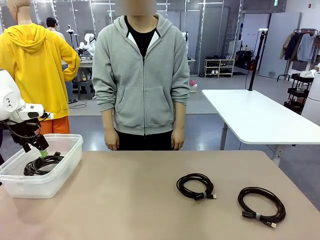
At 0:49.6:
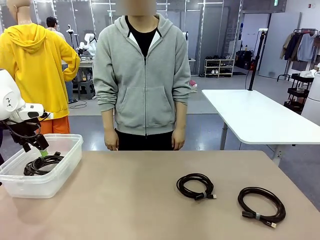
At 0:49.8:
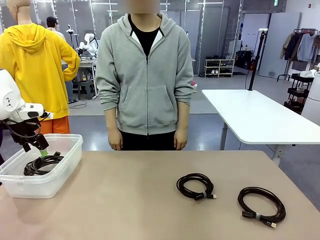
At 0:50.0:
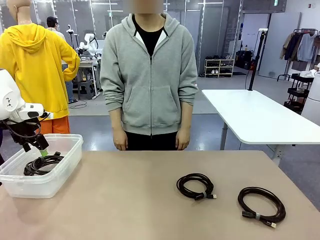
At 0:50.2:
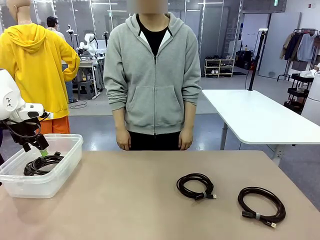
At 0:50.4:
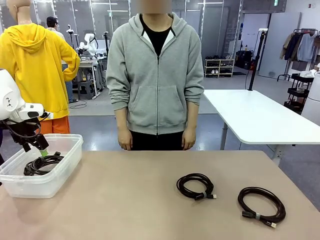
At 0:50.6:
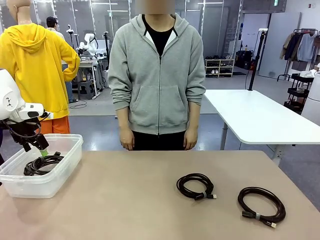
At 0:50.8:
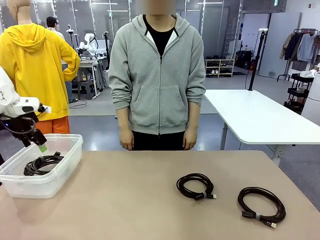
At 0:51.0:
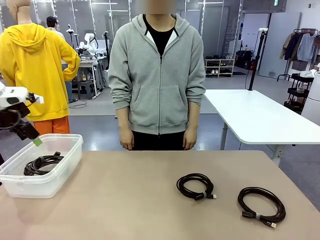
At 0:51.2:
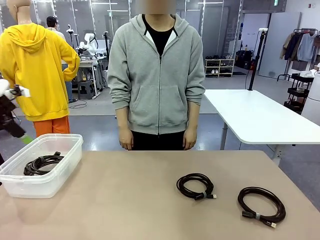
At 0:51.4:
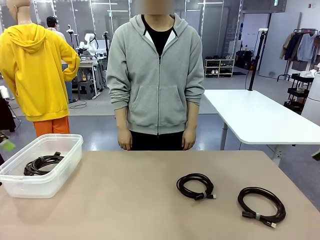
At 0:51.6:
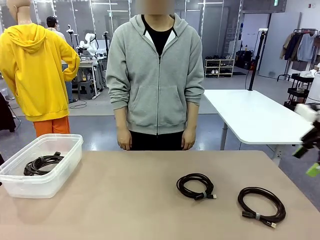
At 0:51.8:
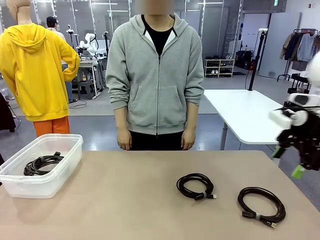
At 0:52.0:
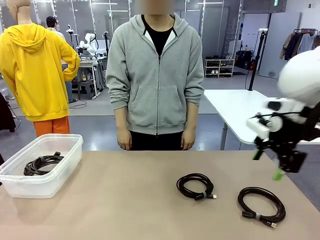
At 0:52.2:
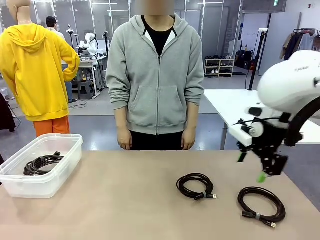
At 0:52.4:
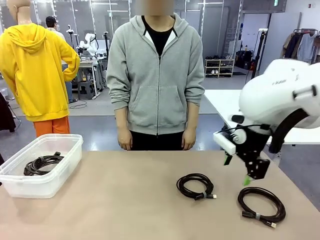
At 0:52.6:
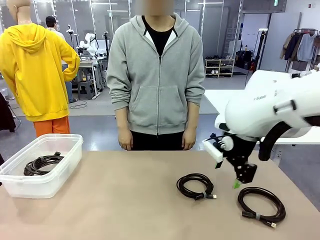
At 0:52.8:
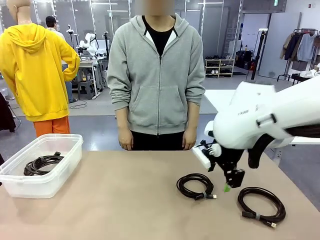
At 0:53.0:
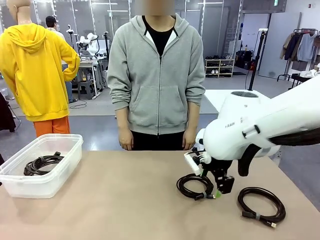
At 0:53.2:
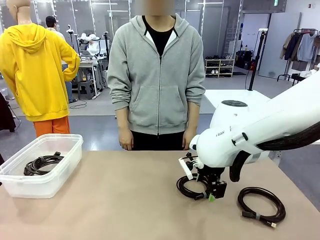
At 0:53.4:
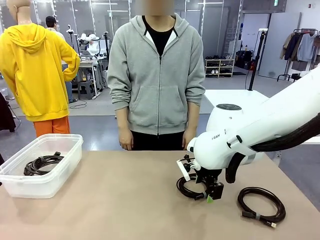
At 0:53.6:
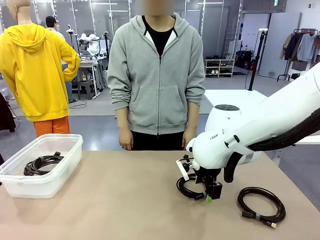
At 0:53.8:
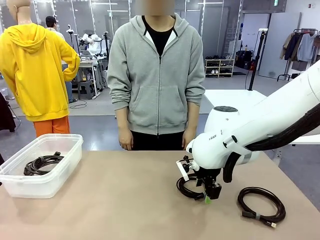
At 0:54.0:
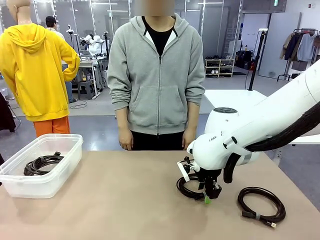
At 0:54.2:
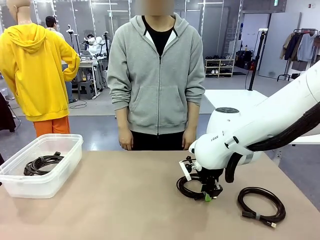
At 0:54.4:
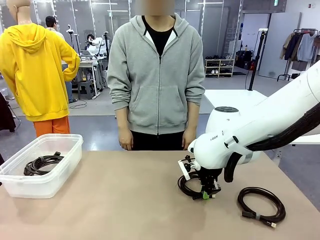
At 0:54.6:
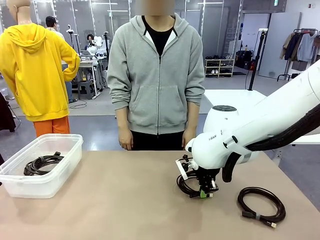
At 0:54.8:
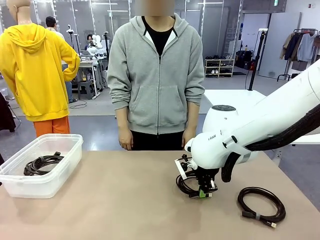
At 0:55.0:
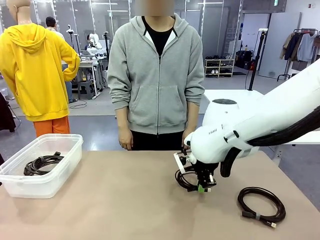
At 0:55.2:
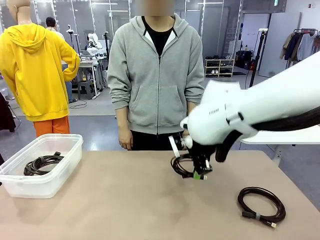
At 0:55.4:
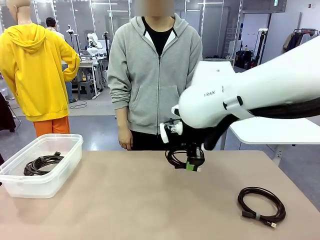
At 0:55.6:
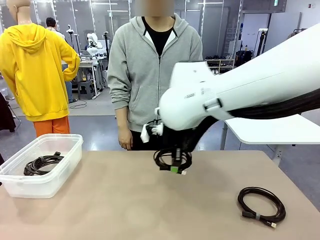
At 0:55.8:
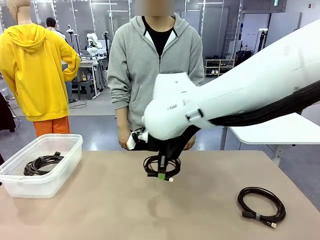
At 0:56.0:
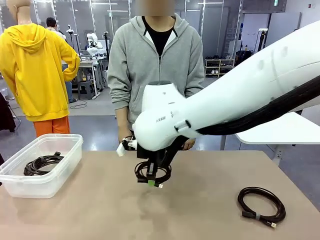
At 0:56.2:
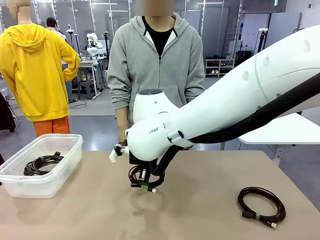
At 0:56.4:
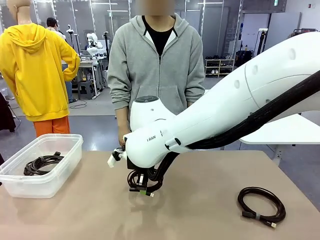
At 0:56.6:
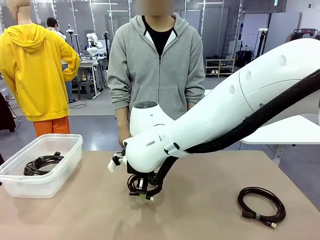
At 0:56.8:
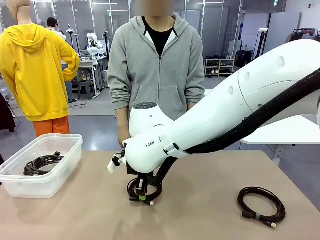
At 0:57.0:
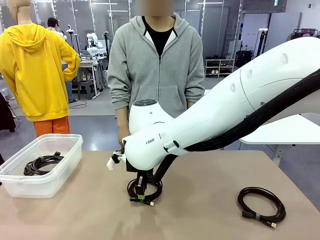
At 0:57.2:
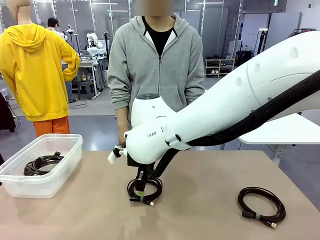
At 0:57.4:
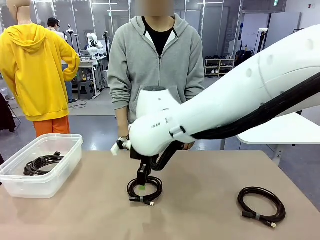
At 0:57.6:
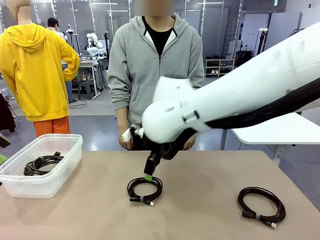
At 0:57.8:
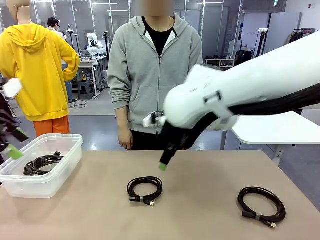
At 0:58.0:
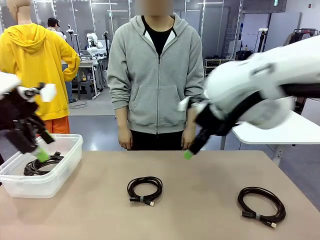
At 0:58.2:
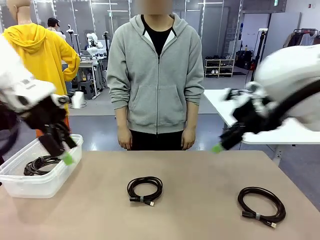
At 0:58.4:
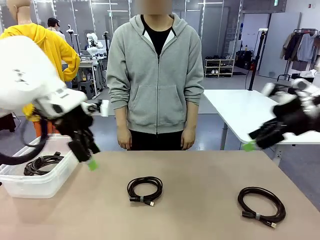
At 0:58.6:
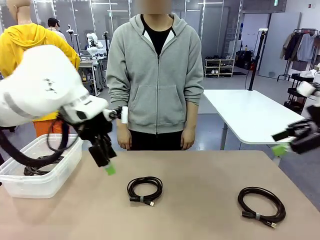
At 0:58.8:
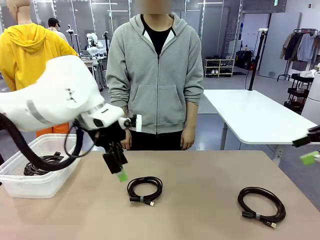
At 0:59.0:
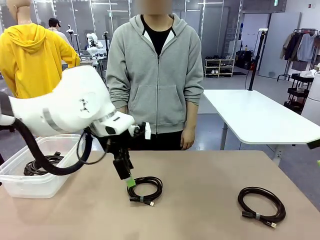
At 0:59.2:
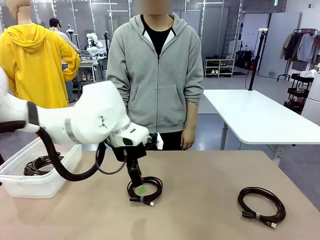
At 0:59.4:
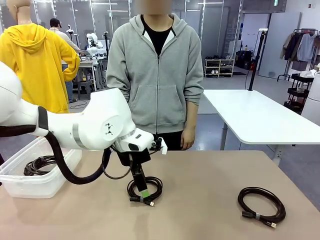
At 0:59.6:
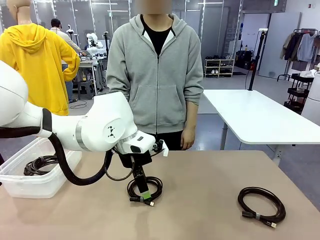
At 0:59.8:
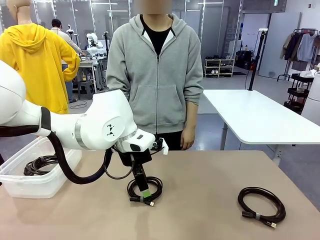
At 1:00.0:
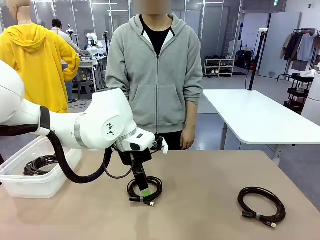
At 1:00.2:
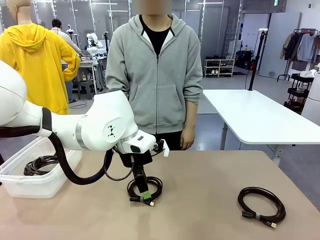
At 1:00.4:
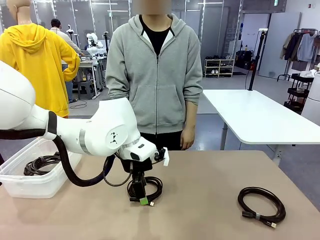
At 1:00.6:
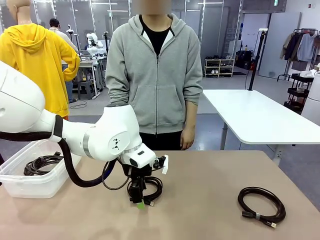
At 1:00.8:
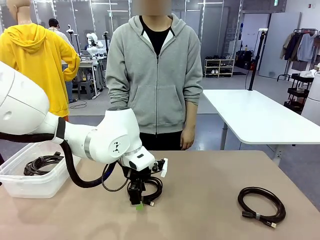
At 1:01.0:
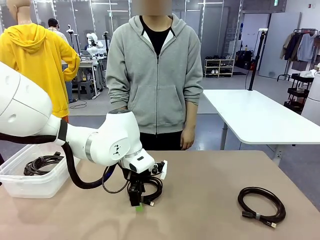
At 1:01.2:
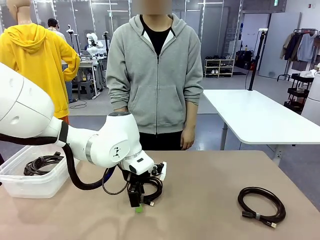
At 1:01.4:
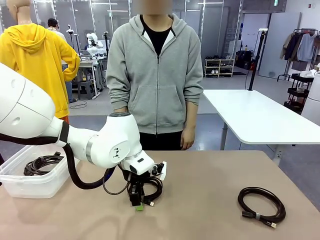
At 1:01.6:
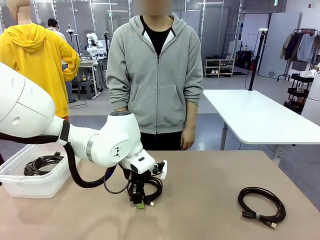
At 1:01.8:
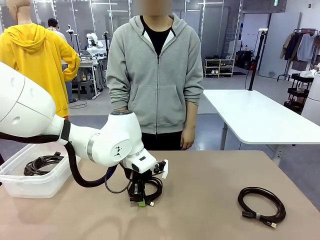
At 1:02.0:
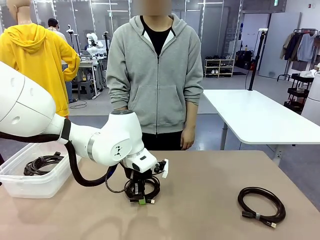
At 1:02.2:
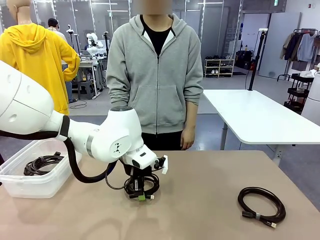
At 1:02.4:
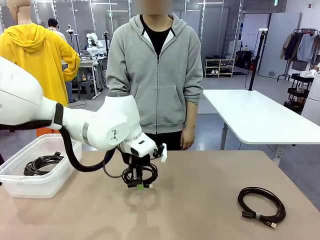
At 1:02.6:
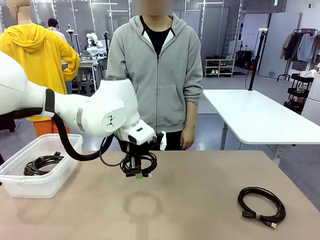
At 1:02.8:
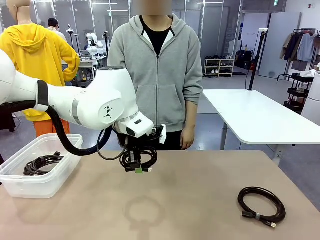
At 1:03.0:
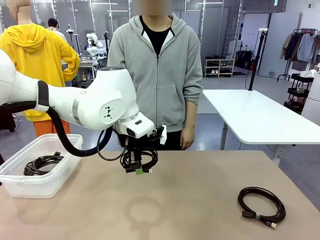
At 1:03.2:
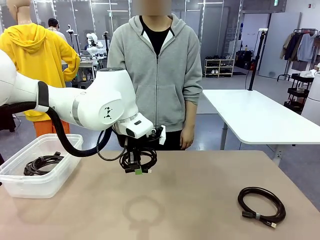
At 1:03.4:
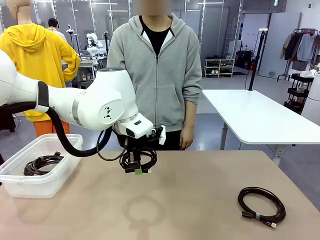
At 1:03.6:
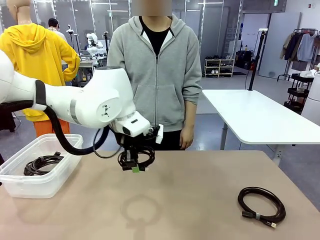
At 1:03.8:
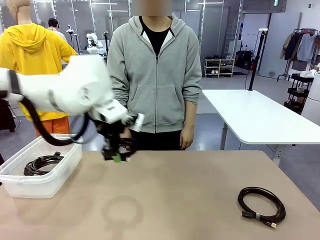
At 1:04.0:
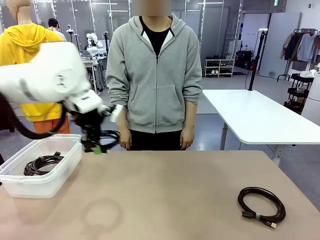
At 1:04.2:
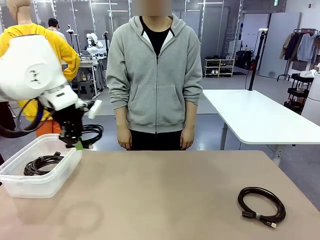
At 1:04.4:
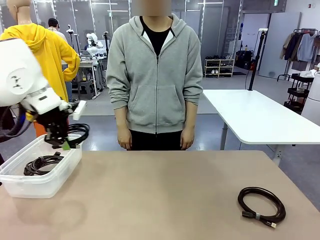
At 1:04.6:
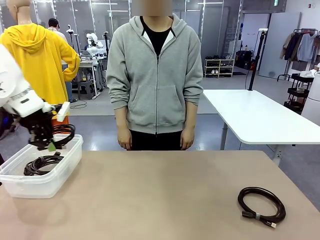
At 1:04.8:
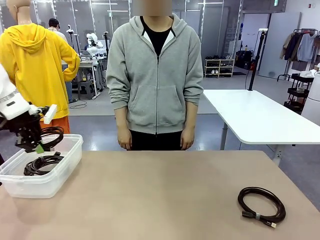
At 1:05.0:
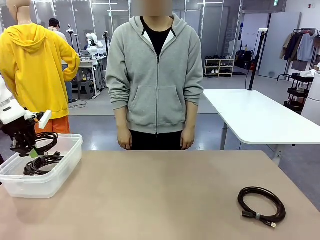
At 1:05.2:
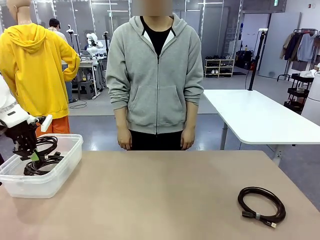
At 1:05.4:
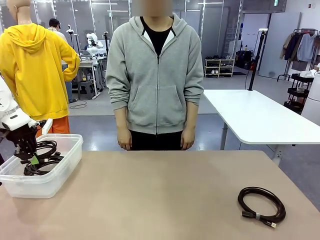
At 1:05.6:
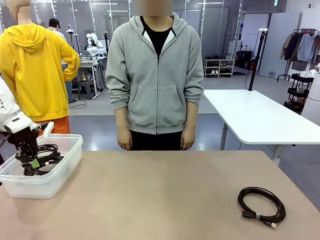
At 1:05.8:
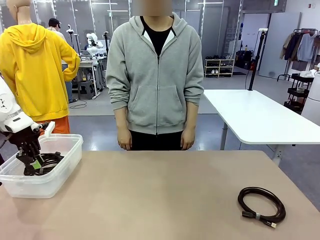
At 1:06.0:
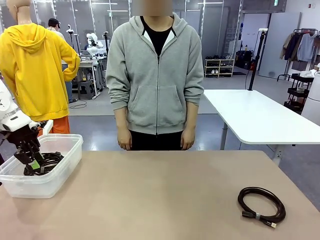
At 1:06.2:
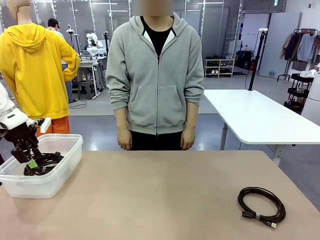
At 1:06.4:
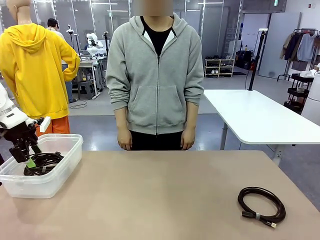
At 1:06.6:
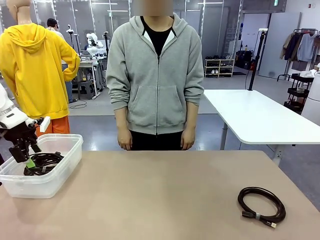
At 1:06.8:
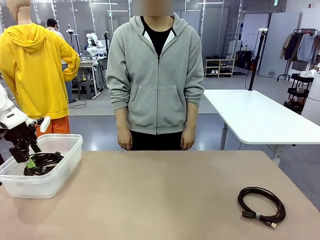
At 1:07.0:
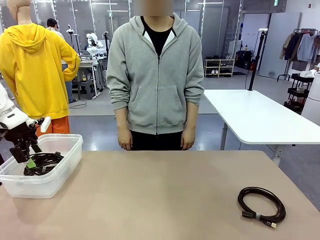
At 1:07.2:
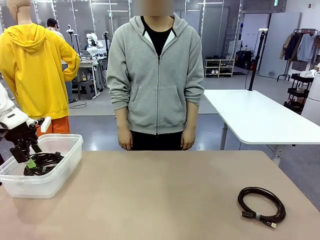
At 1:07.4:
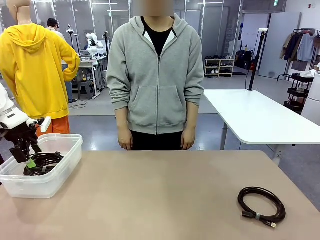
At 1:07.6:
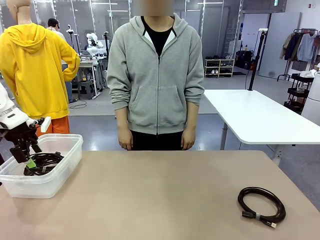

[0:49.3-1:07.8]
Task: Organize and store the cables.
Robot: Place the USB Extension Cable into the Organizing box.
